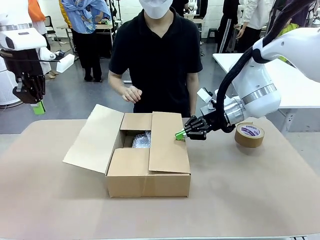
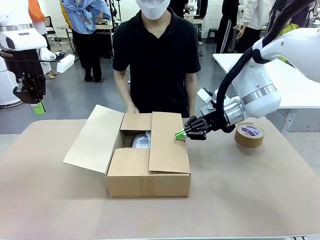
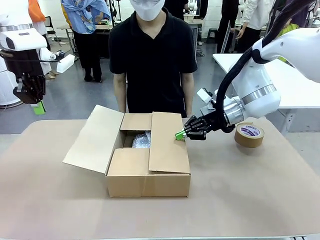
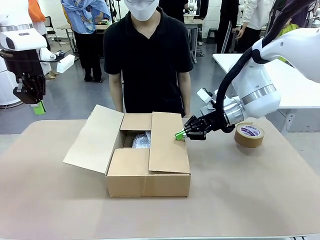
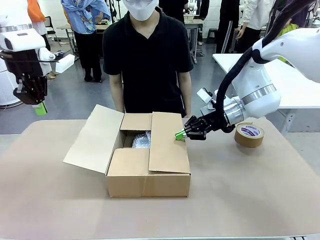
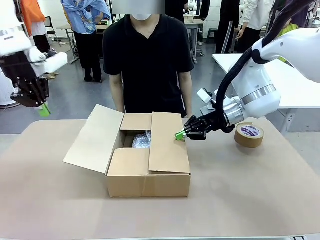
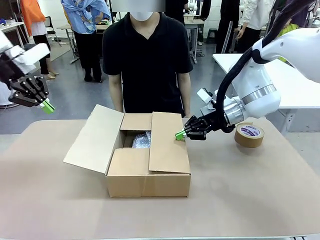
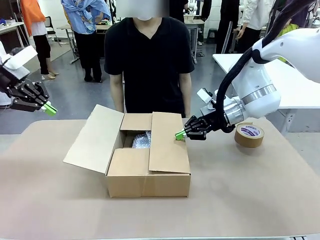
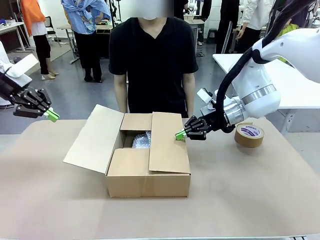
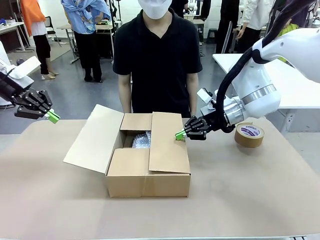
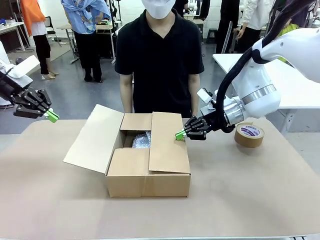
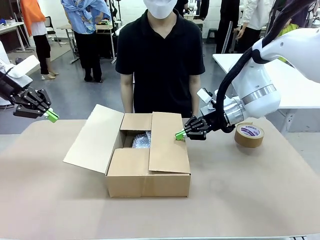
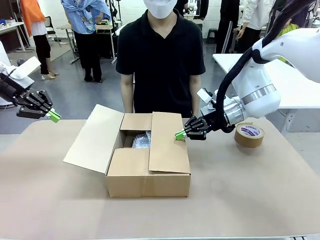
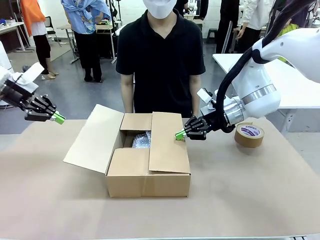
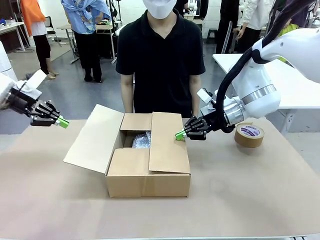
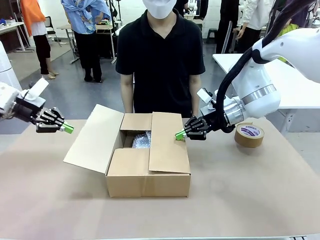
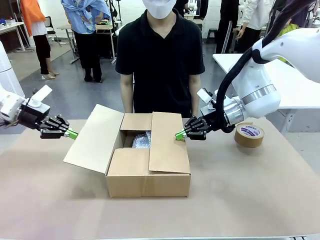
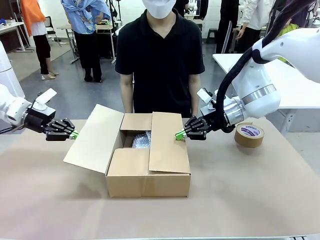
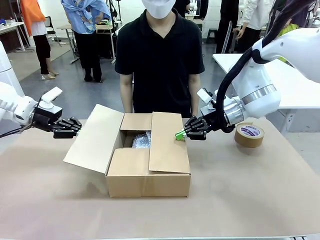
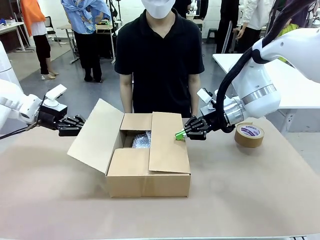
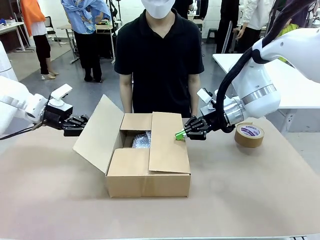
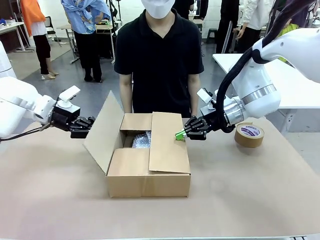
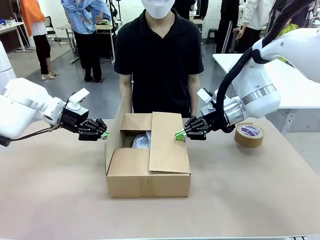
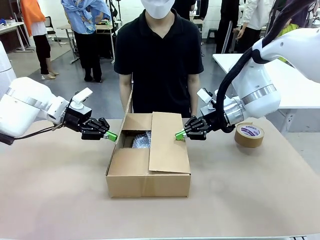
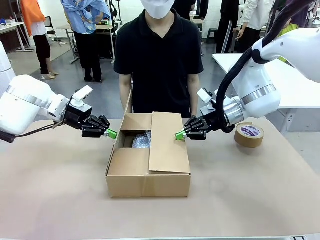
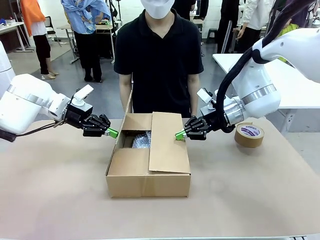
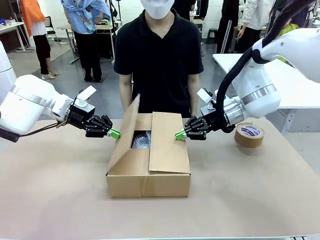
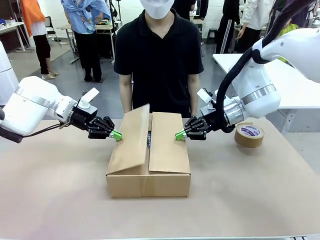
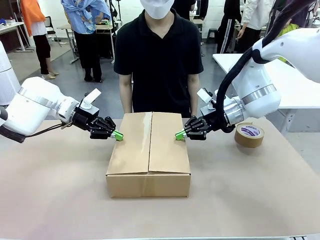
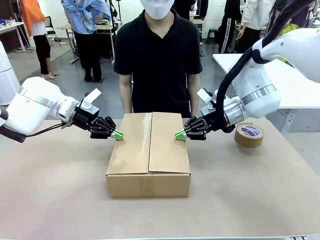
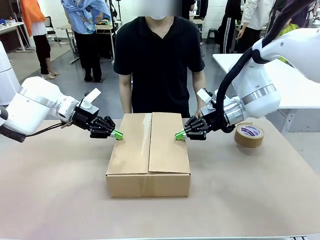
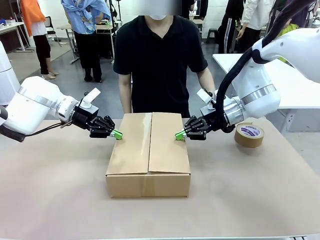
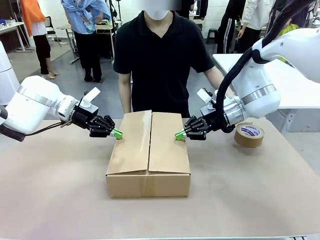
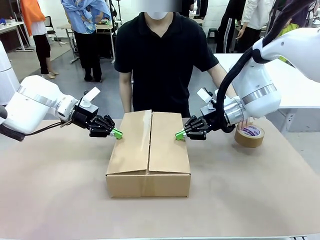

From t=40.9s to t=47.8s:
Task: Wrap the clocks to prevent damage.
Robot: Push the left (or right) flap of the Package Box to close it.

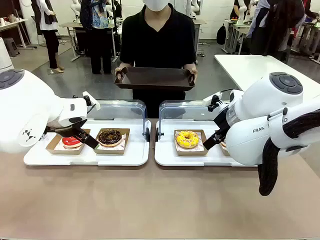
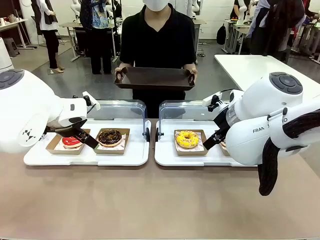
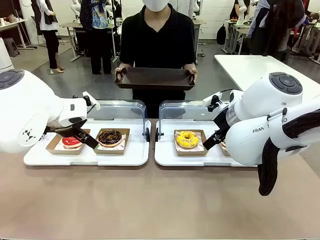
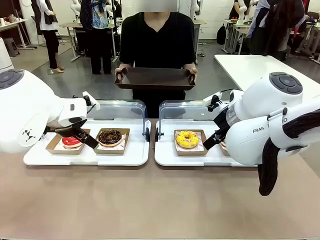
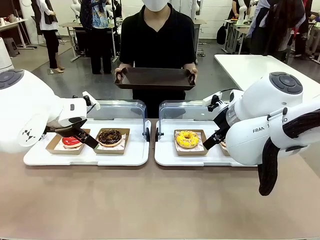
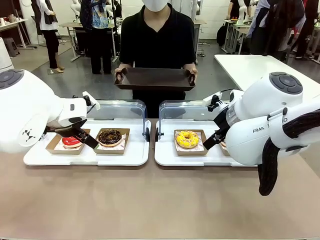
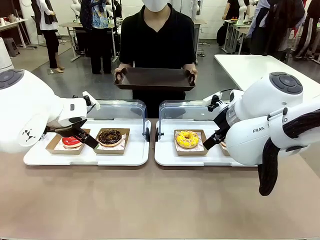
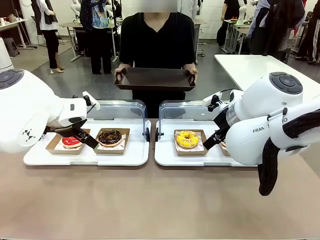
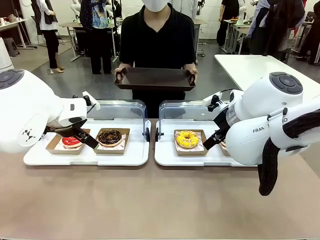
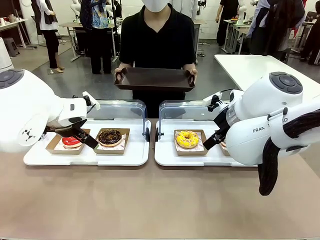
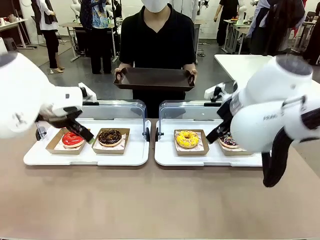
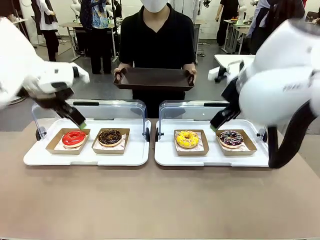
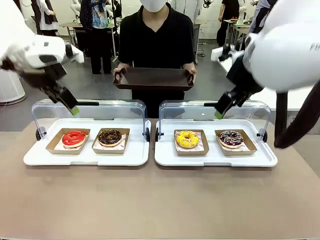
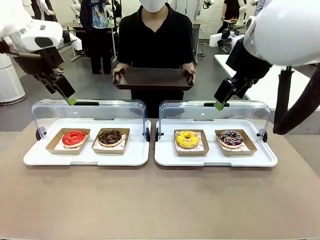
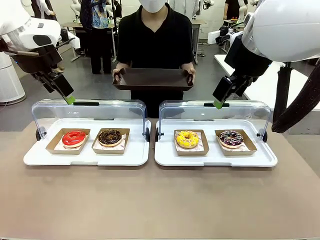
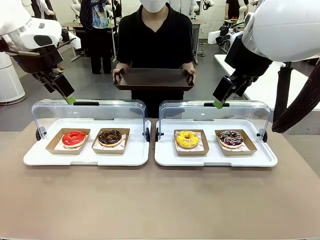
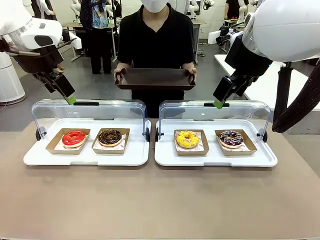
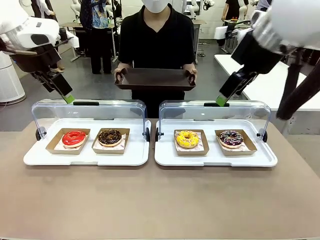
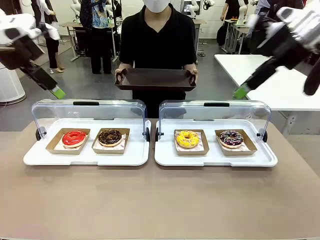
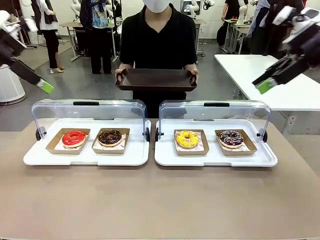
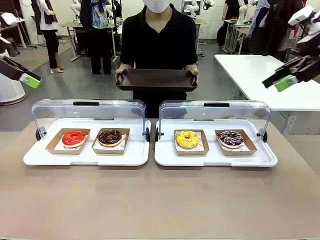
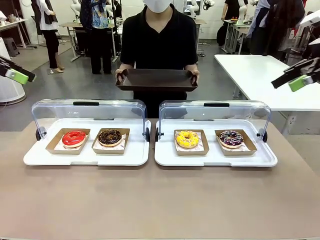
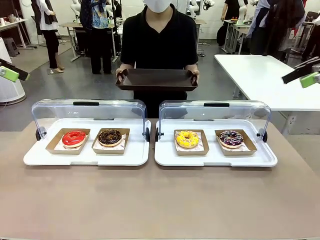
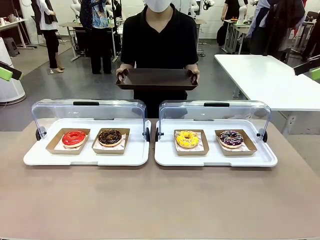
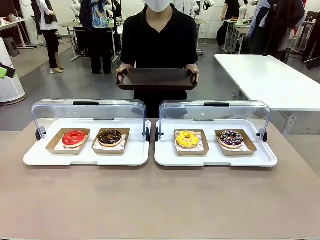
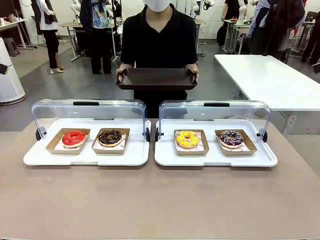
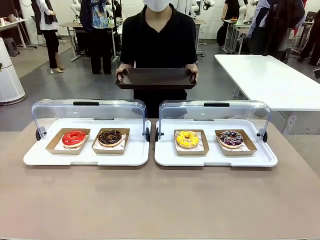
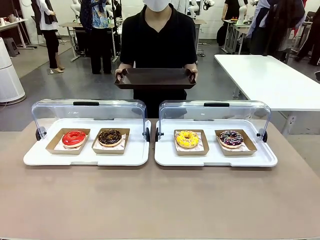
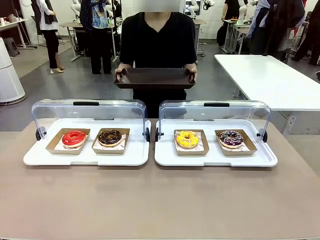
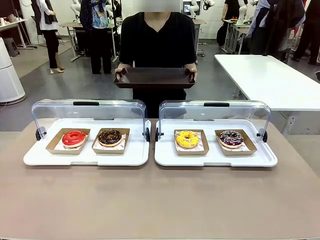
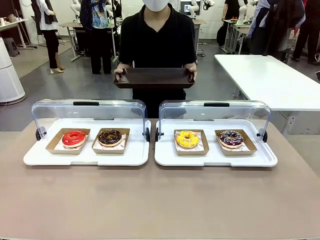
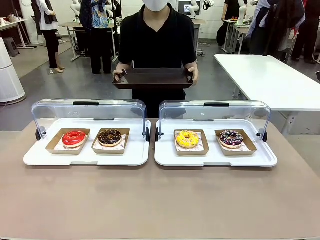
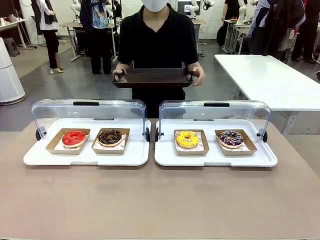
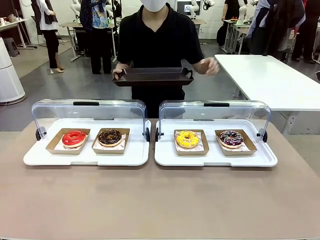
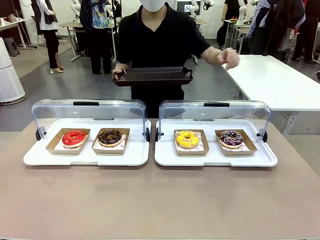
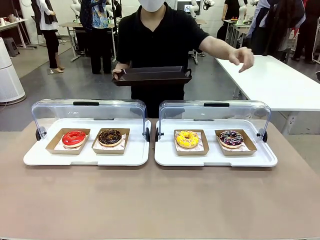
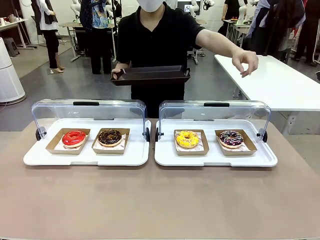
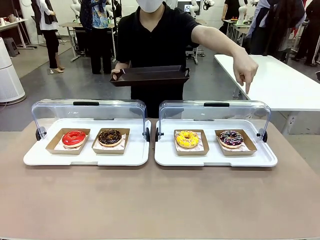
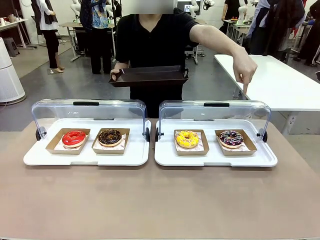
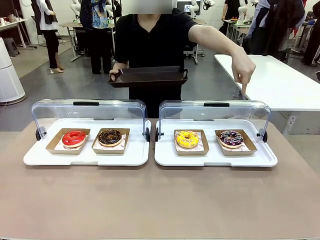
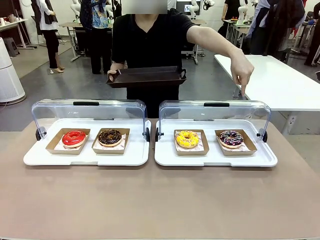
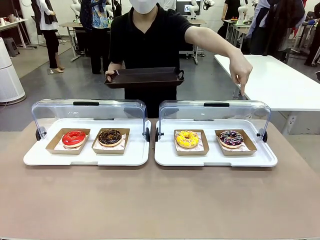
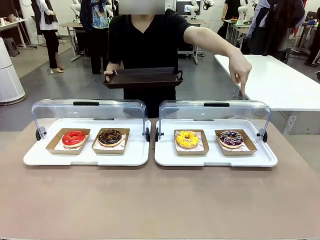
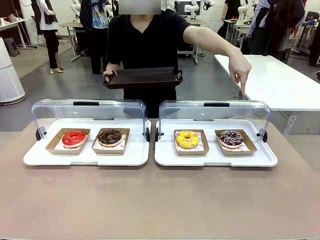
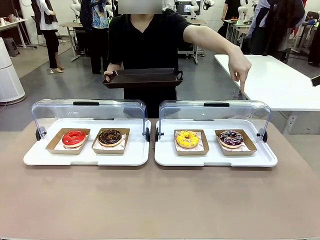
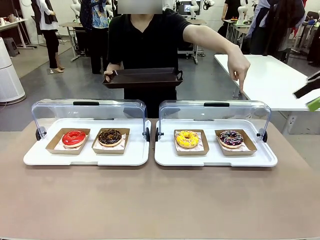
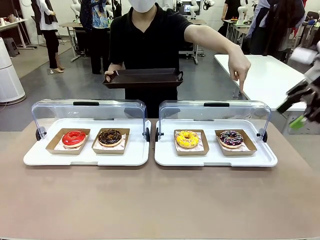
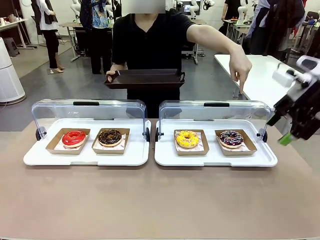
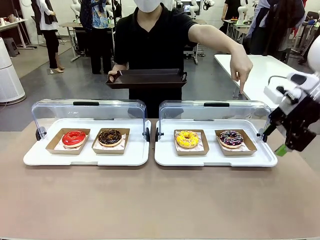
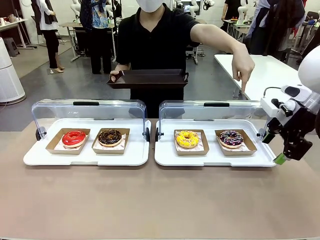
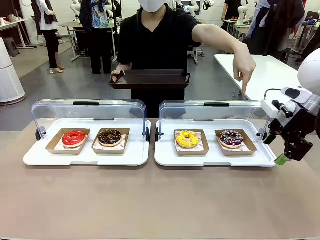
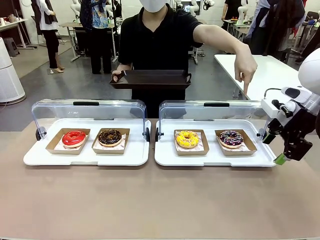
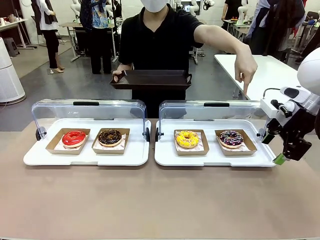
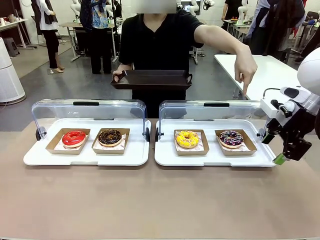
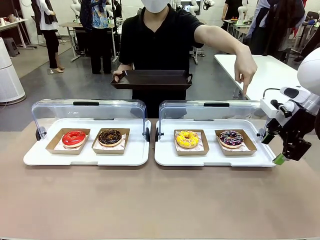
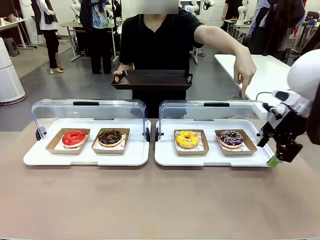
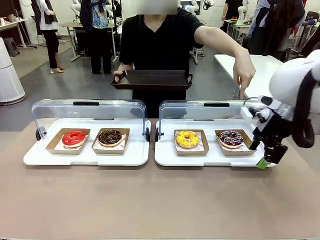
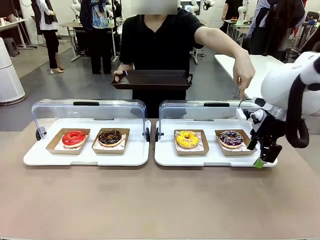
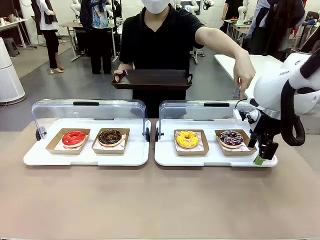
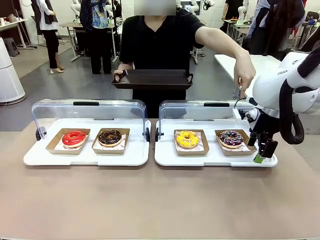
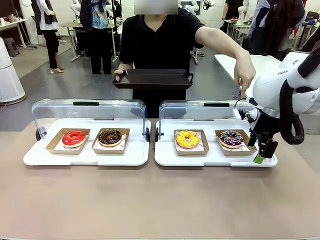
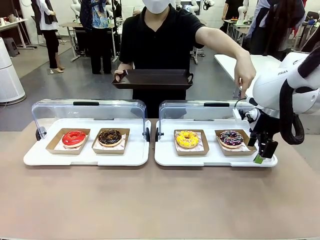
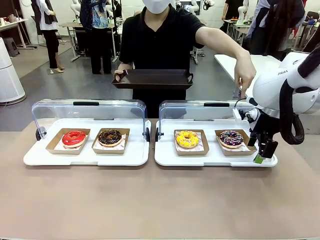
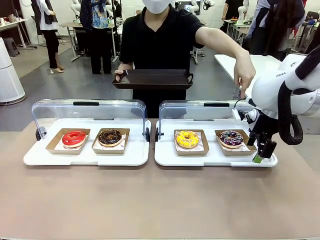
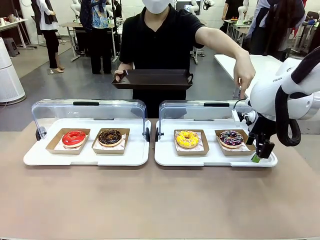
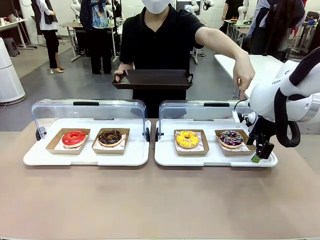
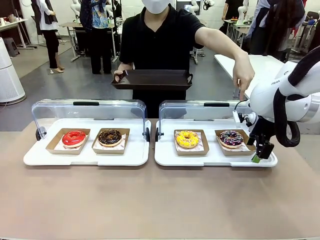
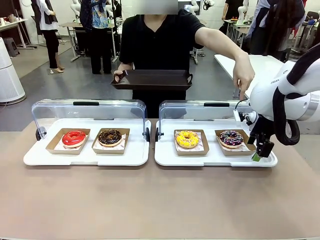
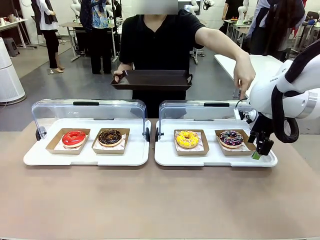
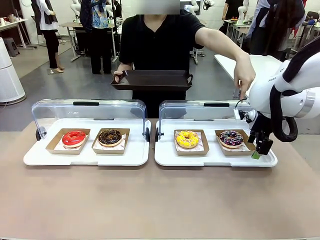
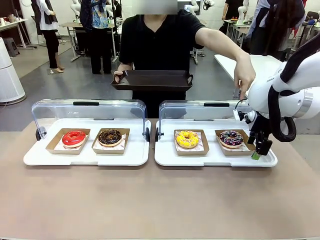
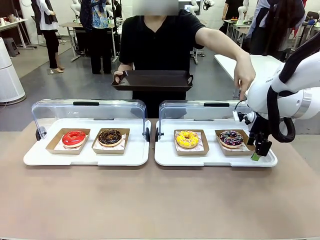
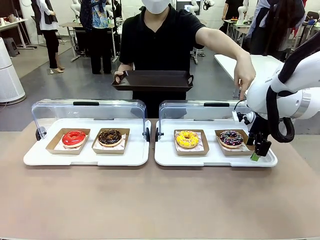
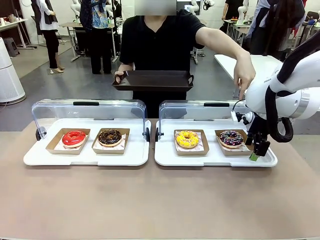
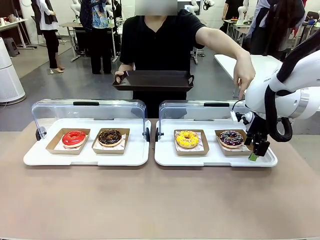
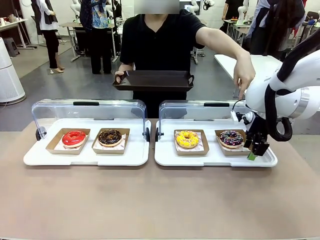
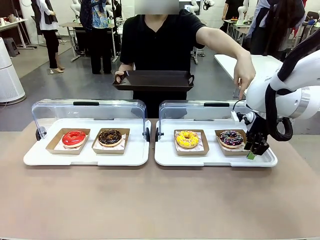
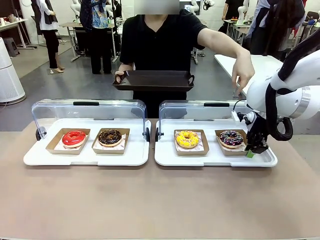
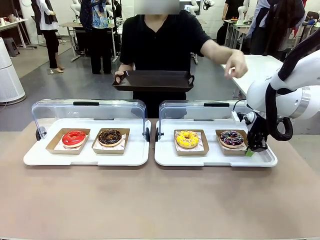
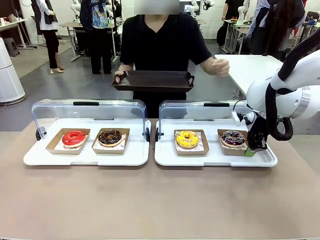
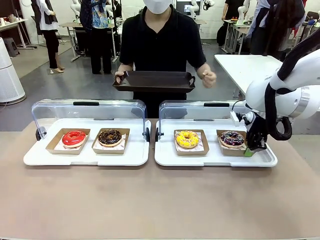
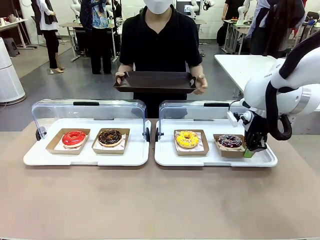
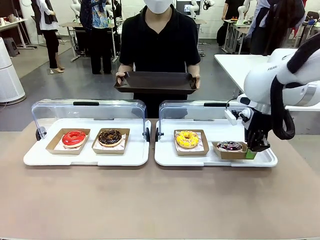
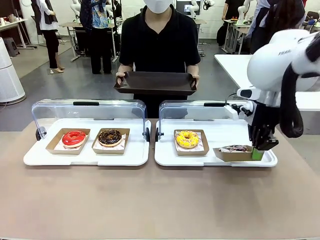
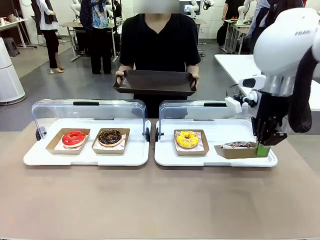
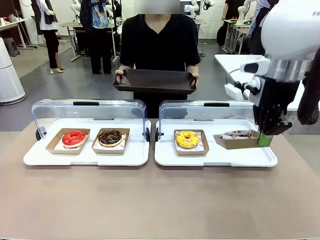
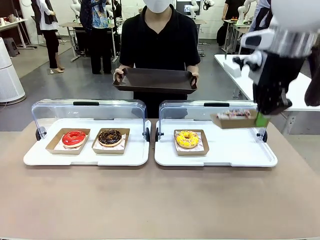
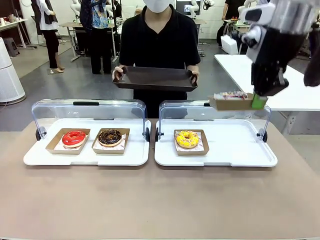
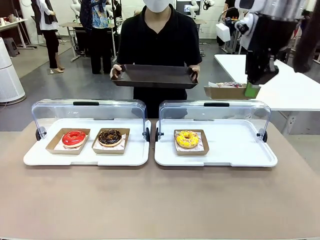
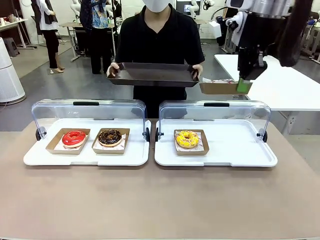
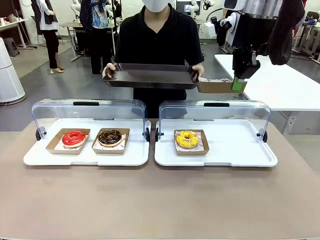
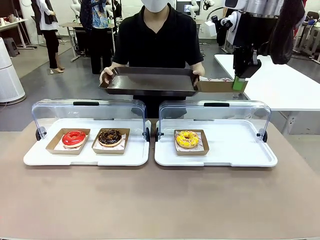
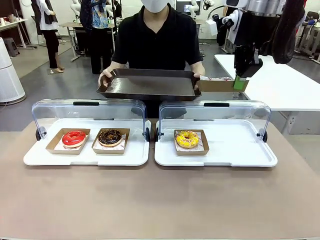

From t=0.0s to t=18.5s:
Task: Provide the desired donut to the person.
Robot: Pick up and lift the Paper togo box containing the Donut pointed at by the person.
Person: Point to one donut. Lift the tray onto the Roll-Top Bakery Case.
